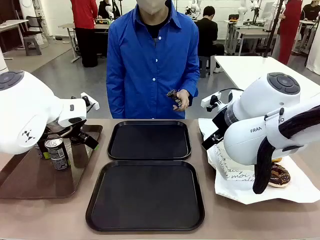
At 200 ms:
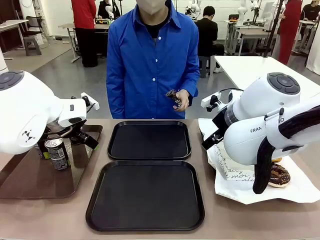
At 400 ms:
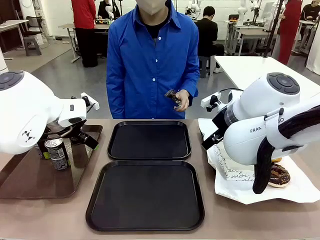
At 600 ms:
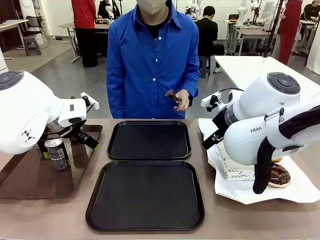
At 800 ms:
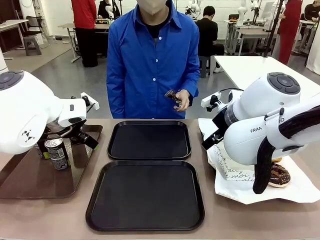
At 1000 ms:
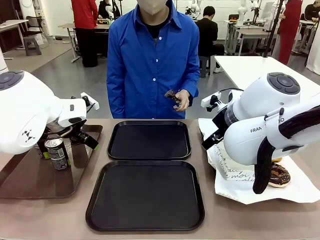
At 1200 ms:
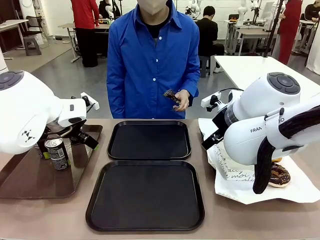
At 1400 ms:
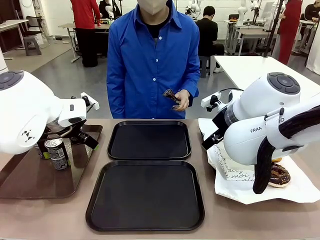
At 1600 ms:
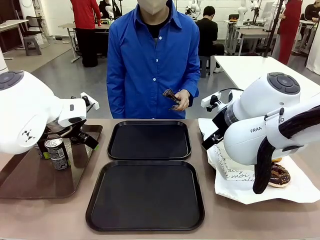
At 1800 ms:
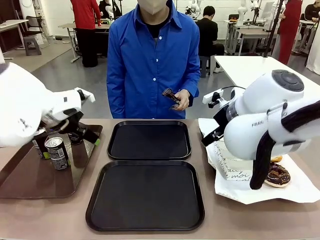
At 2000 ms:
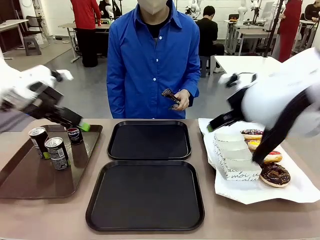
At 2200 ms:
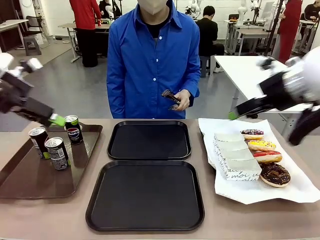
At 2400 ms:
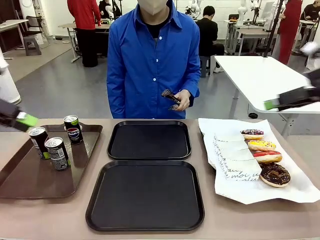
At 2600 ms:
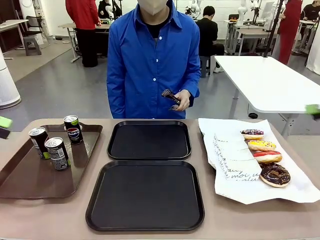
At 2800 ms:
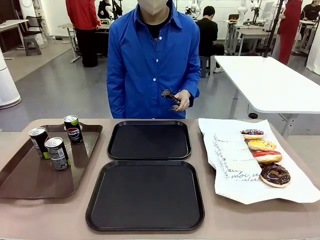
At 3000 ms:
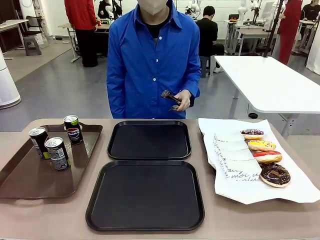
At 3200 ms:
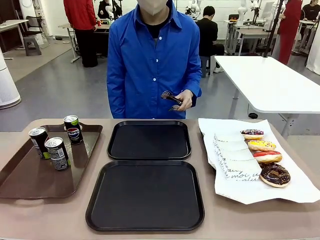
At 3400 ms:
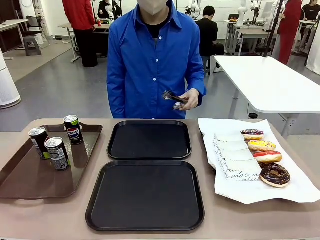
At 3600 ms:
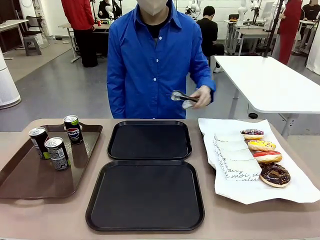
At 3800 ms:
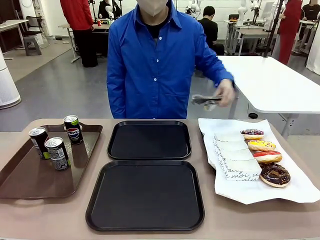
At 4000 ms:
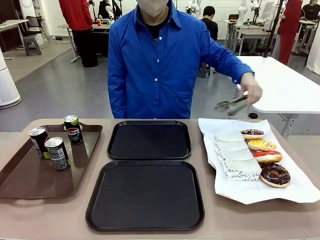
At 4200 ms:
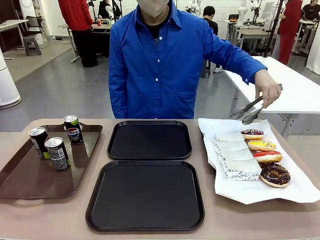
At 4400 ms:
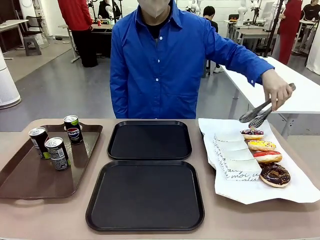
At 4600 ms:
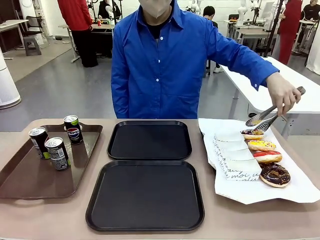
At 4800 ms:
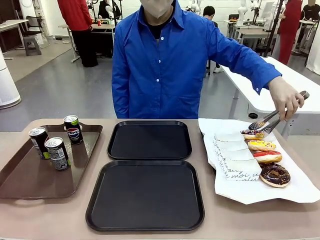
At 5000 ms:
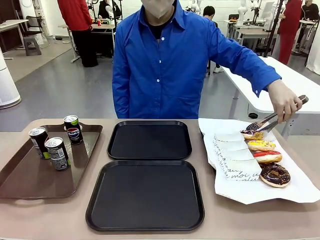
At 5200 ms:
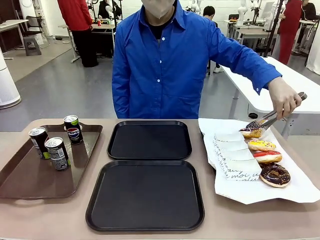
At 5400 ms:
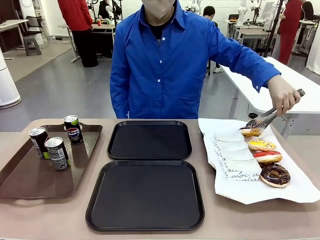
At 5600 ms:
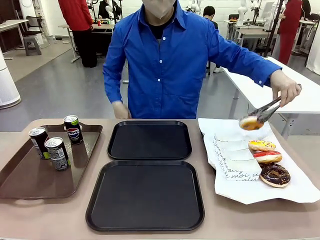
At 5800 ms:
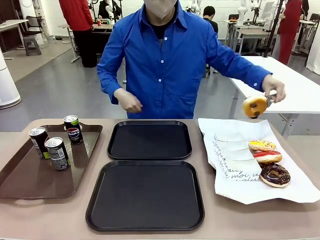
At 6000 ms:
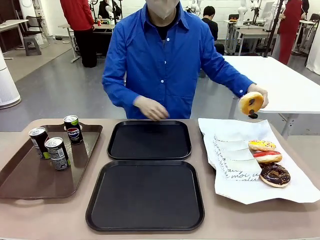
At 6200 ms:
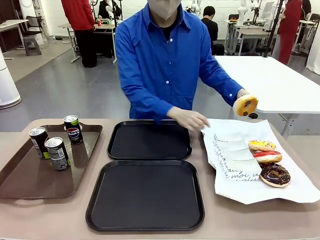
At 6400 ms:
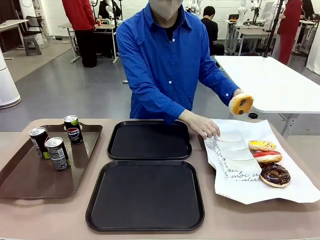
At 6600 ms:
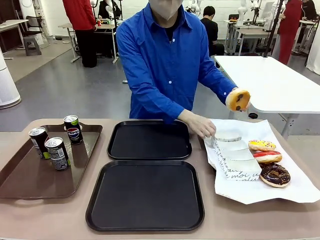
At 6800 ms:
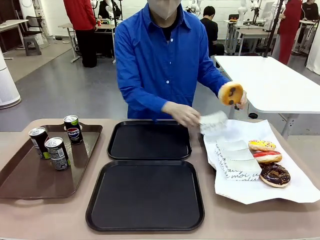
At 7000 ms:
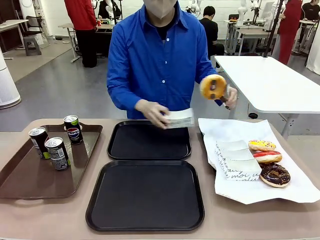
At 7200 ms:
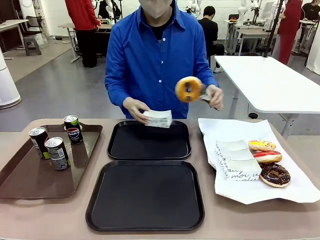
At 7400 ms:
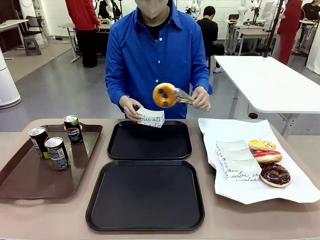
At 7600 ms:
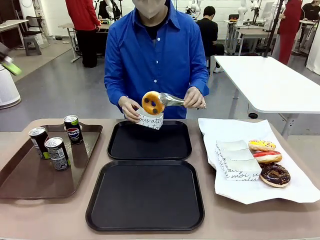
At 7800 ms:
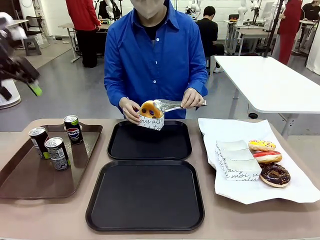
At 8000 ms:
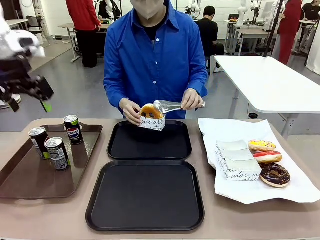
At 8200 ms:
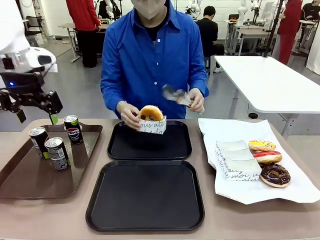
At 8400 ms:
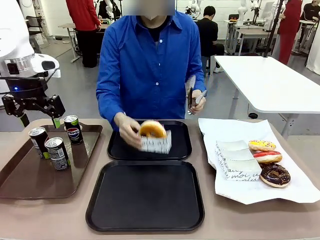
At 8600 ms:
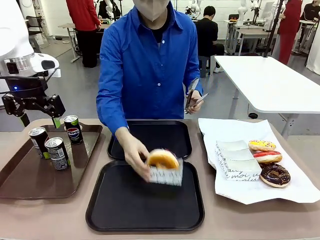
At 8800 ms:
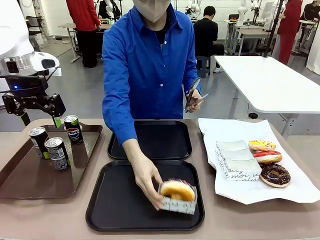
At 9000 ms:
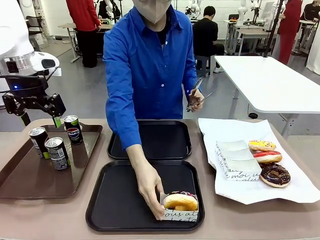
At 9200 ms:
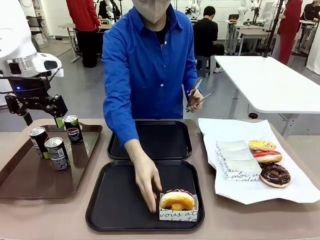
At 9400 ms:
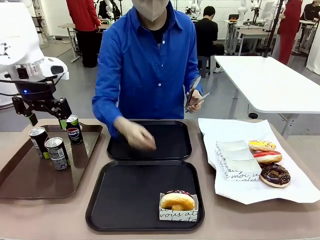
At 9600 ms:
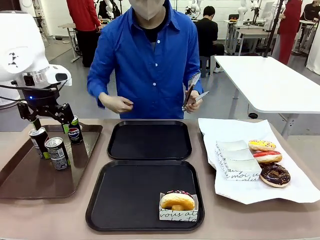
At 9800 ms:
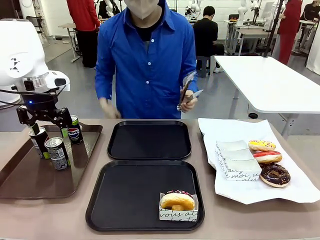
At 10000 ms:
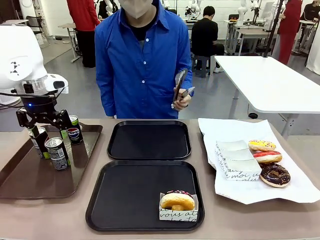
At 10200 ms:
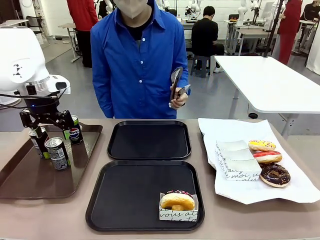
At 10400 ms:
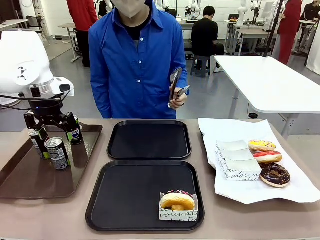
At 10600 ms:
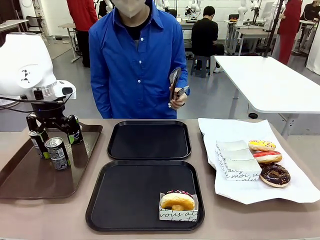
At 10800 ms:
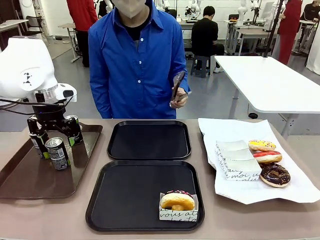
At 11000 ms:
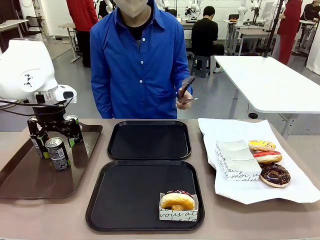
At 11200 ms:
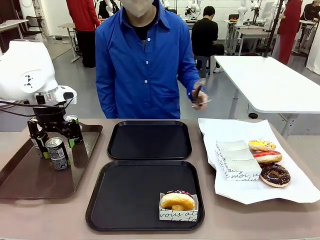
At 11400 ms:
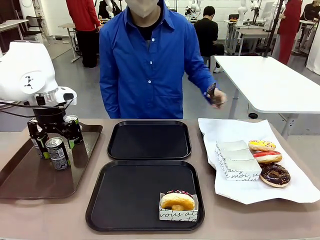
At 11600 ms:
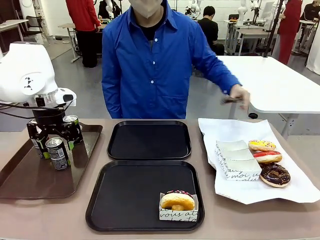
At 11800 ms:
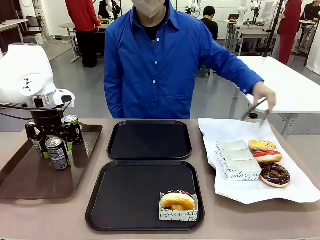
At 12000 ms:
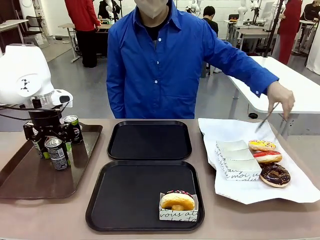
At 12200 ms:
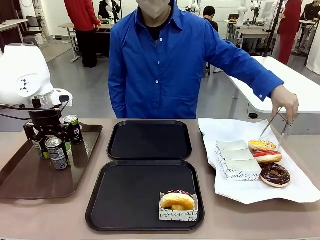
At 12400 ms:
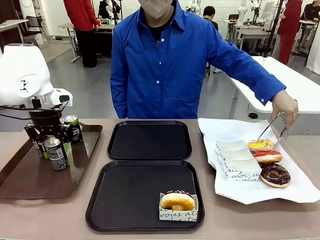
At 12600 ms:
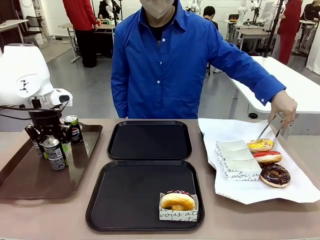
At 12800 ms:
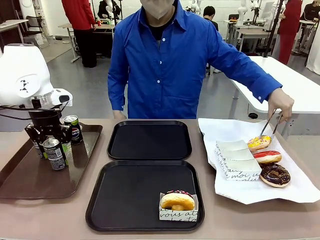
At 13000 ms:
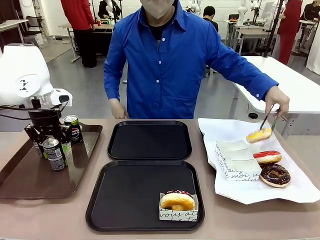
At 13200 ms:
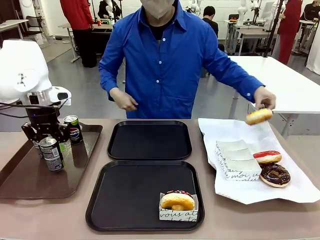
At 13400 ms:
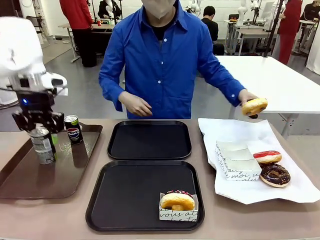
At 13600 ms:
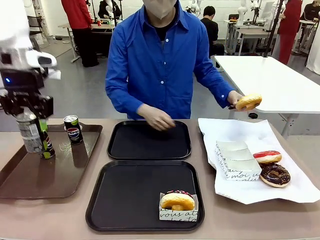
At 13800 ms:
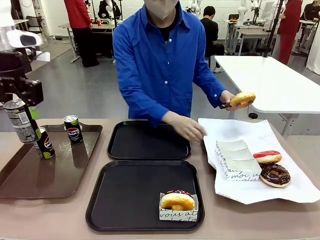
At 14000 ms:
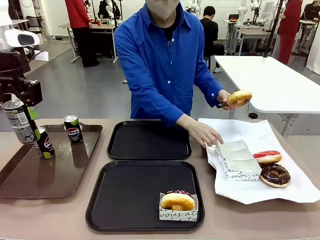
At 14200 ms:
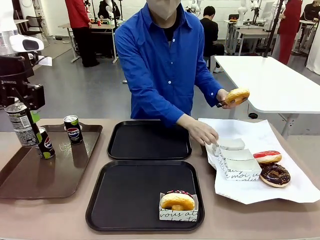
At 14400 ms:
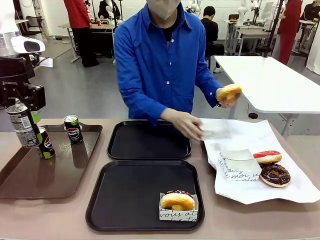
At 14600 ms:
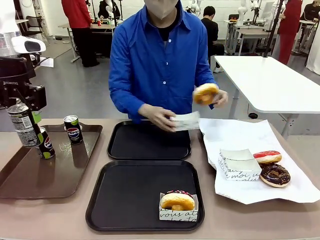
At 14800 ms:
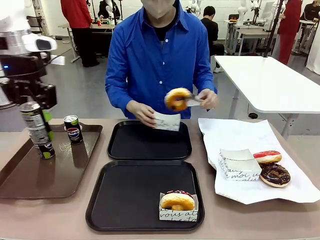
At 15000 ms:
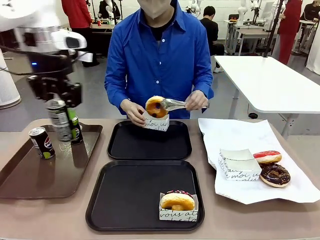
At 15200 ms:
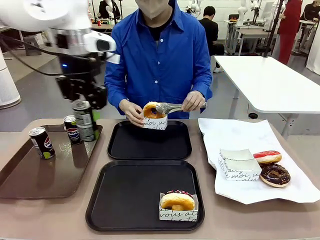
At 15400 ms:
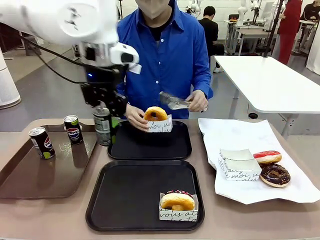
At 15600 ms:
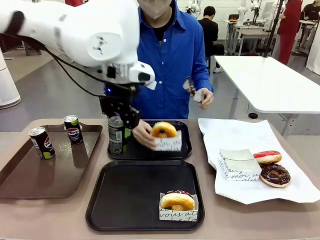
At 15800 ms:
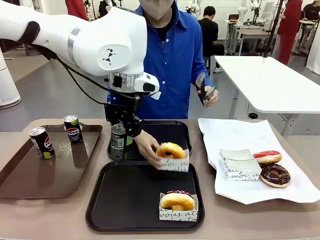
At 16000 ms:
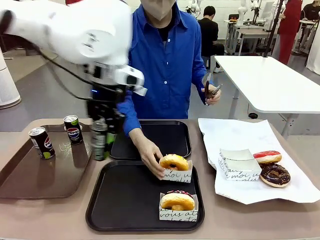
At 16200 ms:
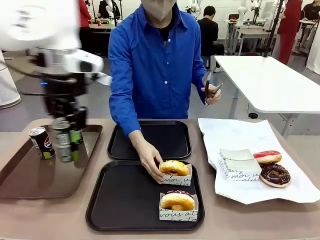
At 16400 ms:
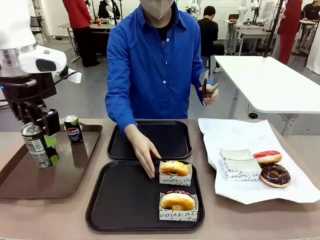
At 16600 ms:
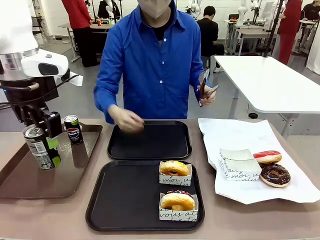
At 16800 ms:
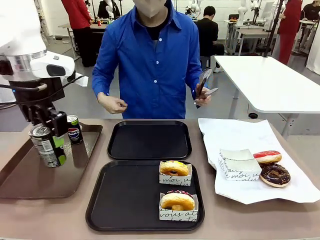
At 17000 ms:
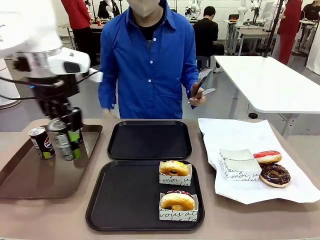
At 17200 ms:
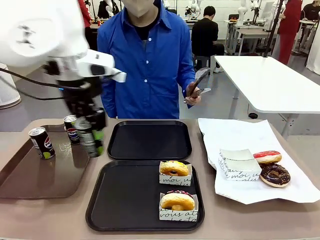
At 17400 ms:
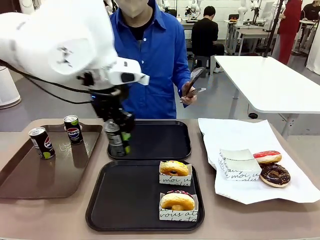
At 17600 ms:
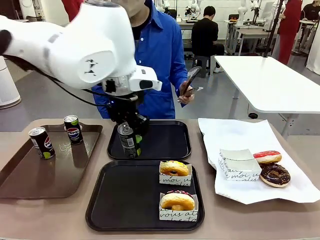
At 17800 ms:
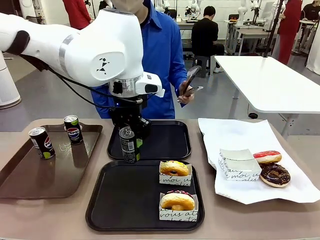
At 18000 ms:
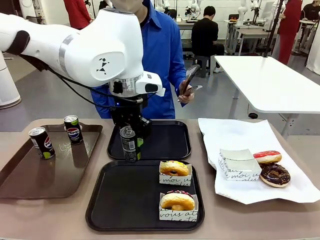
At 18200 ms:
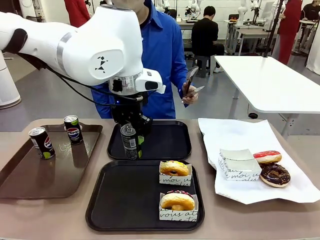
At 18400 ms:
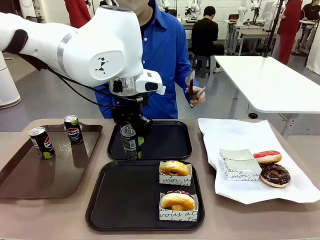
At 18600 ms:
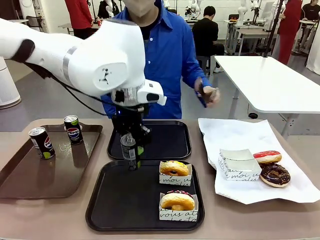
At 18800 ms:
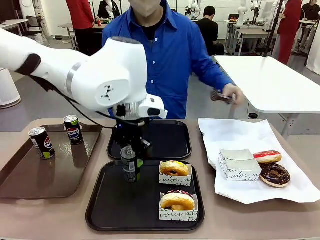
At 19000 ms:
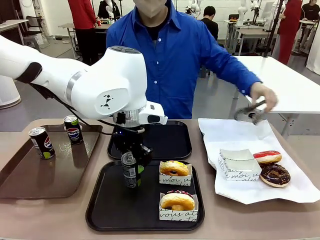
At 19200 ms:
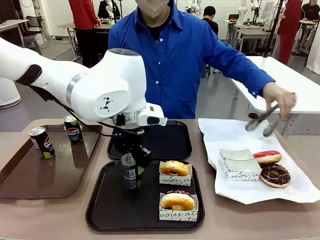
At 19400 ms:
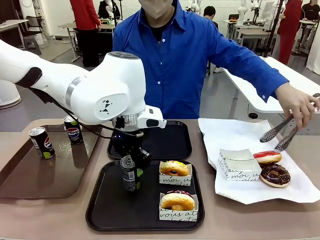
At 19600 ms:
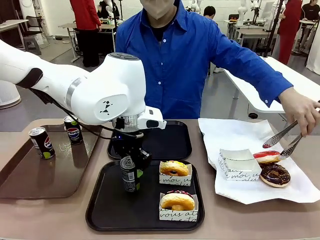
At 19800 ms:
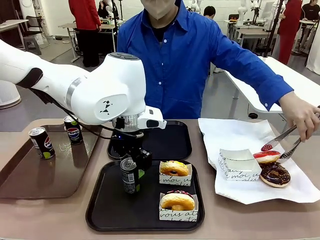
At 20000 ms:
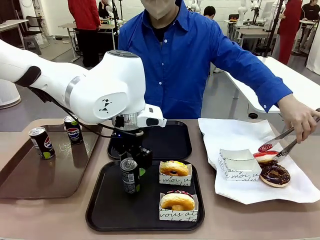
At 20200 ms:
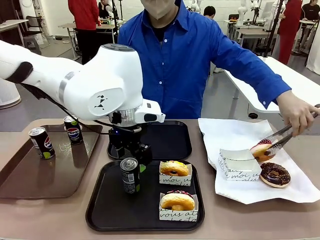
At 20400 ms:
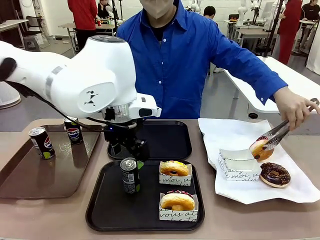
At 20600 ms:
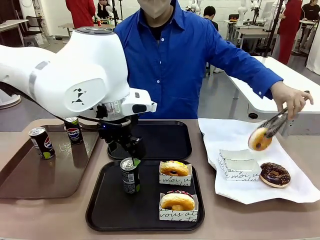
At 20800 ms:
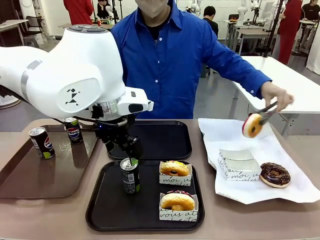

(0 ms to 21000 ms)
Task: Set up donuts and drinks on trays.
Robot: Pick up one Pepsi coke and place it on the Flat Tray.
Person: Pick up one donut with tongs, place it in the donut tray, and then place the donut tray on the flat tray.
